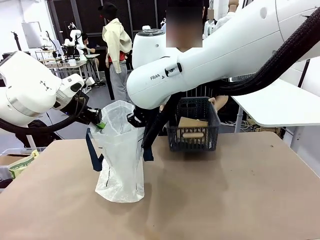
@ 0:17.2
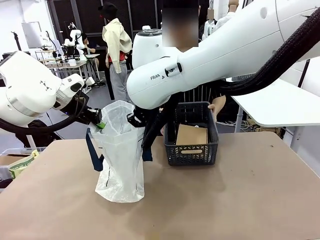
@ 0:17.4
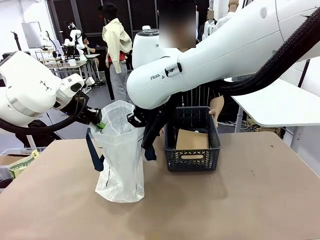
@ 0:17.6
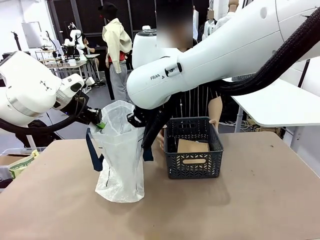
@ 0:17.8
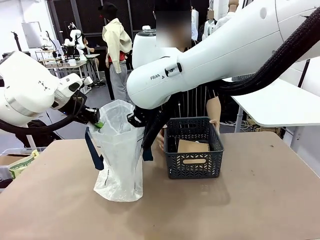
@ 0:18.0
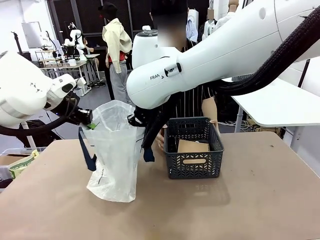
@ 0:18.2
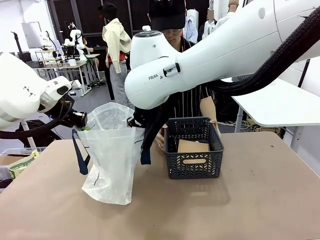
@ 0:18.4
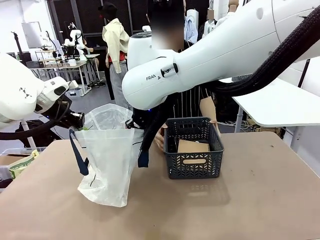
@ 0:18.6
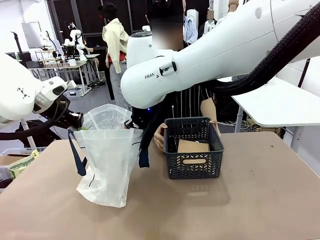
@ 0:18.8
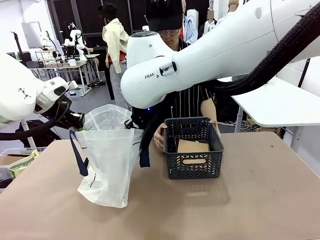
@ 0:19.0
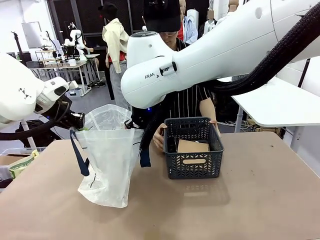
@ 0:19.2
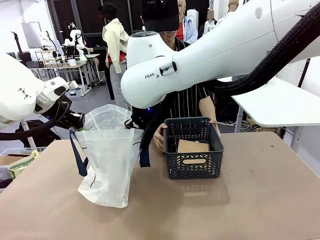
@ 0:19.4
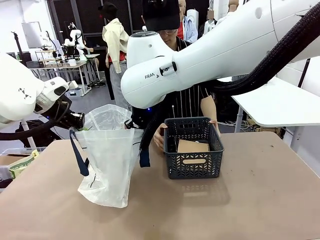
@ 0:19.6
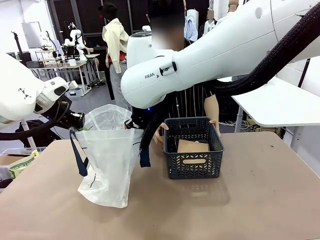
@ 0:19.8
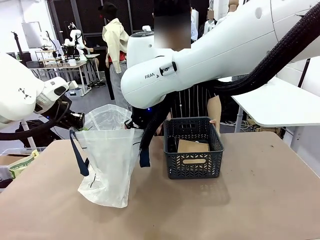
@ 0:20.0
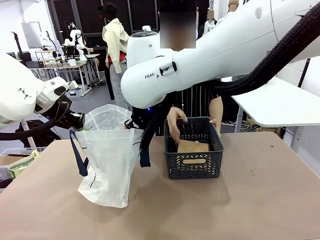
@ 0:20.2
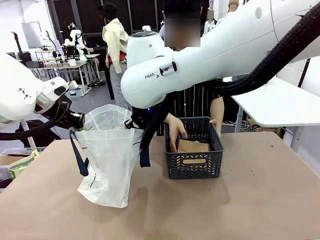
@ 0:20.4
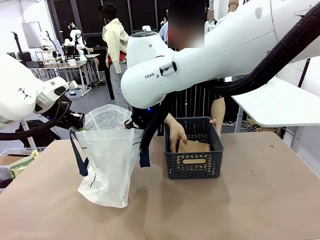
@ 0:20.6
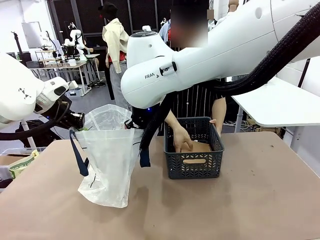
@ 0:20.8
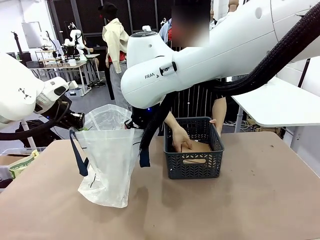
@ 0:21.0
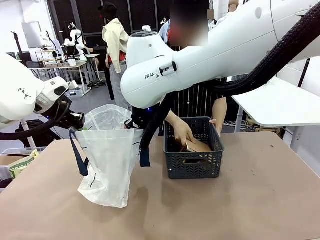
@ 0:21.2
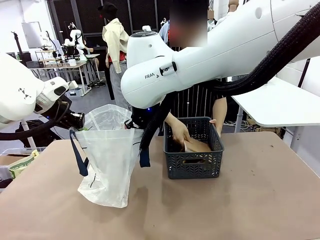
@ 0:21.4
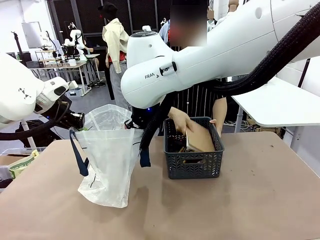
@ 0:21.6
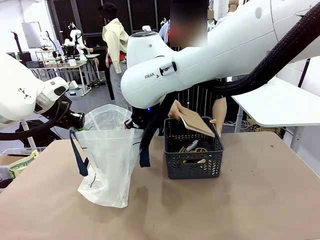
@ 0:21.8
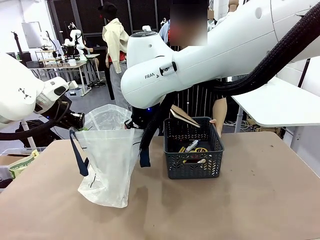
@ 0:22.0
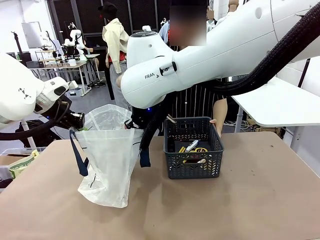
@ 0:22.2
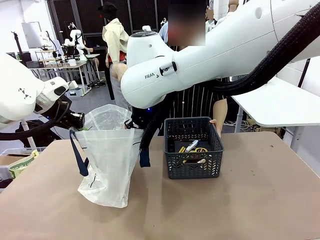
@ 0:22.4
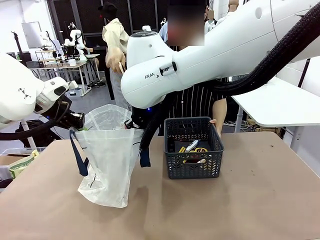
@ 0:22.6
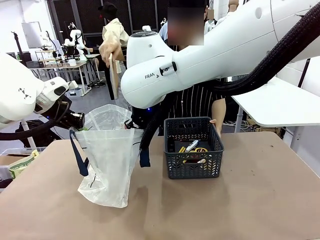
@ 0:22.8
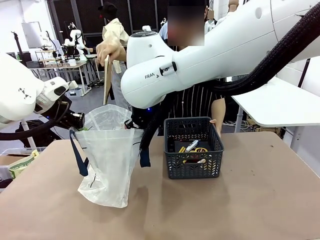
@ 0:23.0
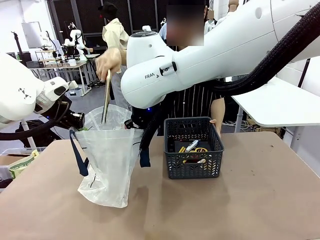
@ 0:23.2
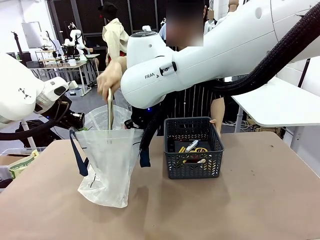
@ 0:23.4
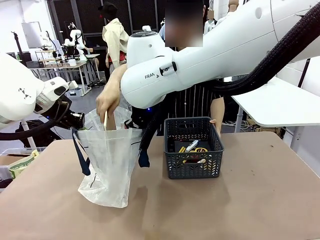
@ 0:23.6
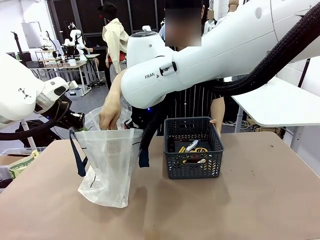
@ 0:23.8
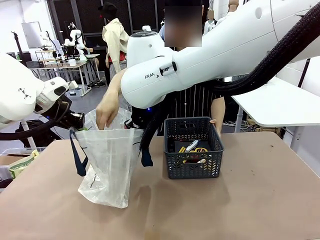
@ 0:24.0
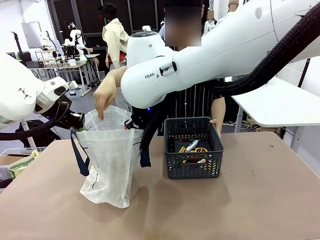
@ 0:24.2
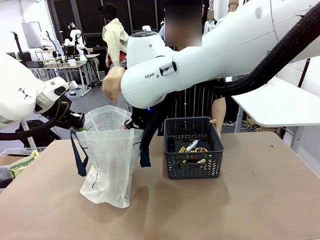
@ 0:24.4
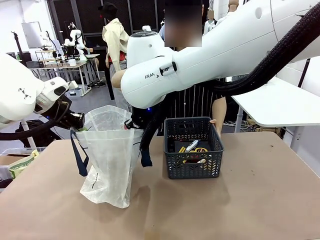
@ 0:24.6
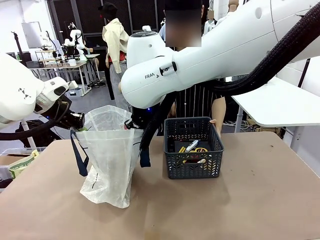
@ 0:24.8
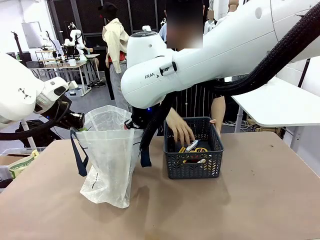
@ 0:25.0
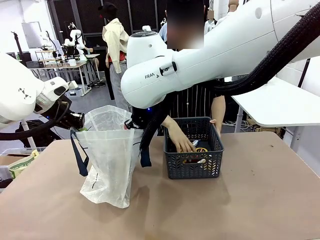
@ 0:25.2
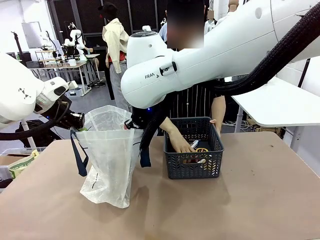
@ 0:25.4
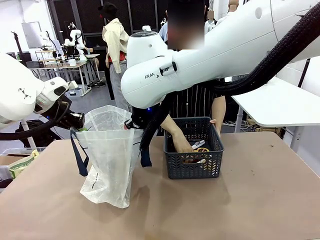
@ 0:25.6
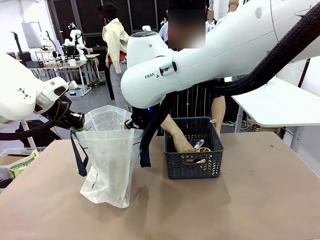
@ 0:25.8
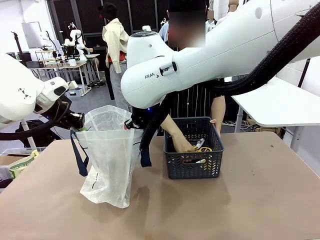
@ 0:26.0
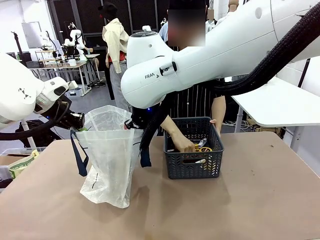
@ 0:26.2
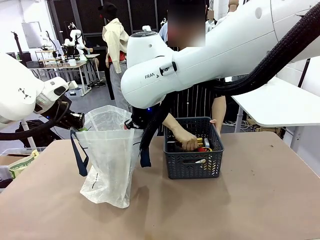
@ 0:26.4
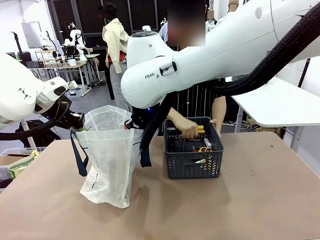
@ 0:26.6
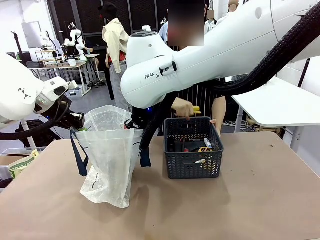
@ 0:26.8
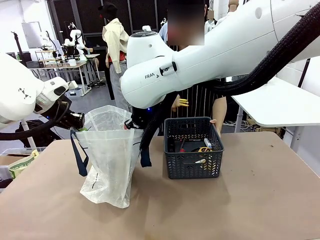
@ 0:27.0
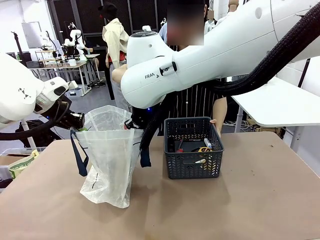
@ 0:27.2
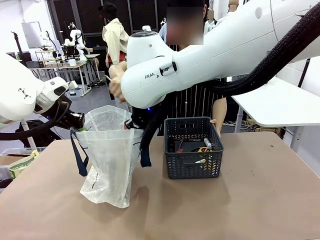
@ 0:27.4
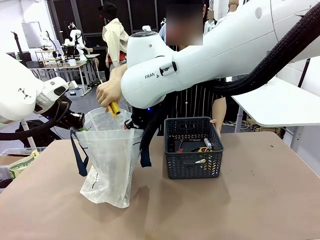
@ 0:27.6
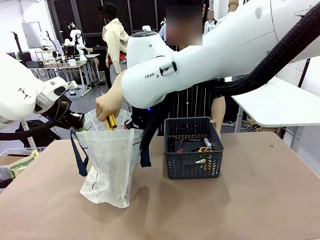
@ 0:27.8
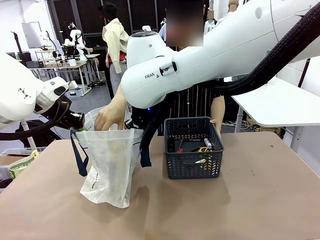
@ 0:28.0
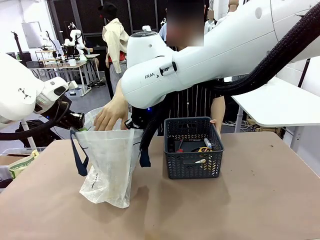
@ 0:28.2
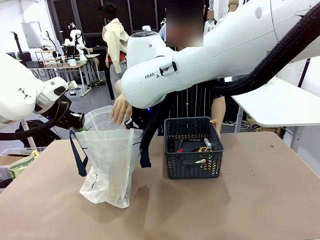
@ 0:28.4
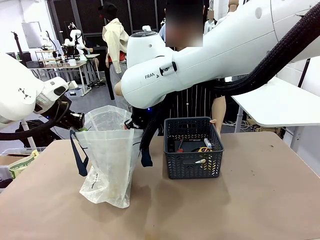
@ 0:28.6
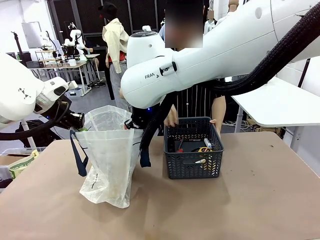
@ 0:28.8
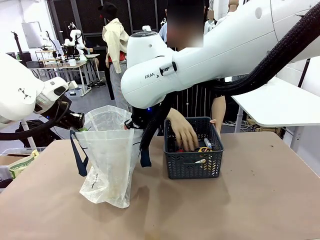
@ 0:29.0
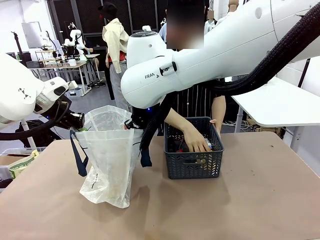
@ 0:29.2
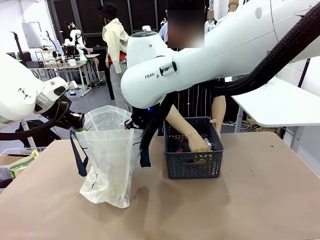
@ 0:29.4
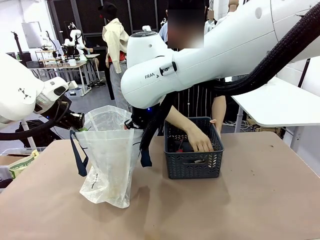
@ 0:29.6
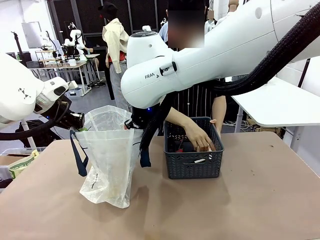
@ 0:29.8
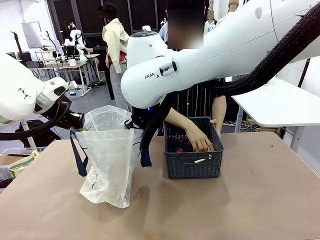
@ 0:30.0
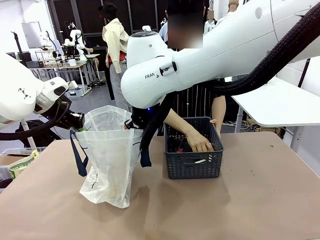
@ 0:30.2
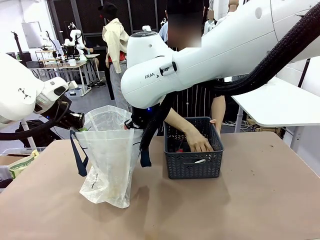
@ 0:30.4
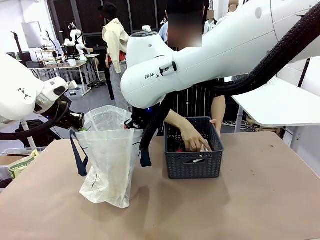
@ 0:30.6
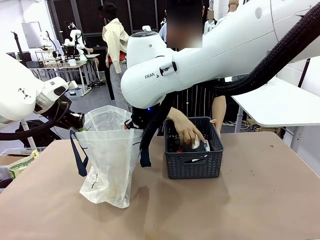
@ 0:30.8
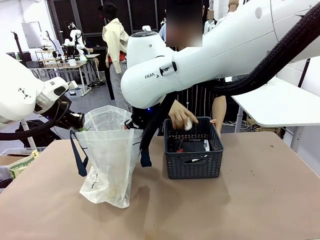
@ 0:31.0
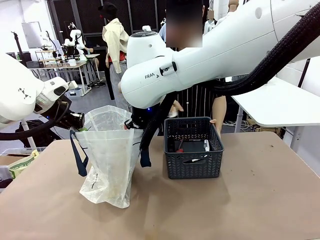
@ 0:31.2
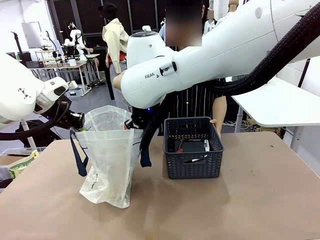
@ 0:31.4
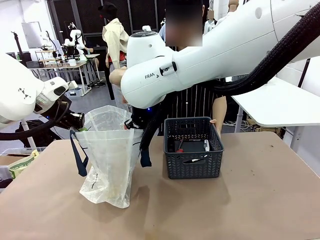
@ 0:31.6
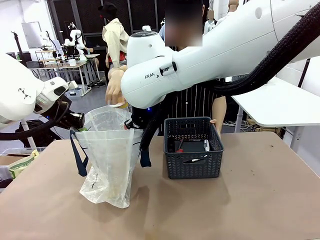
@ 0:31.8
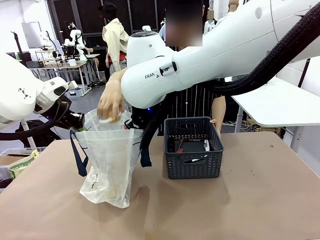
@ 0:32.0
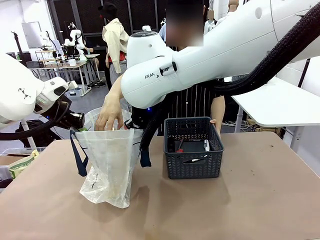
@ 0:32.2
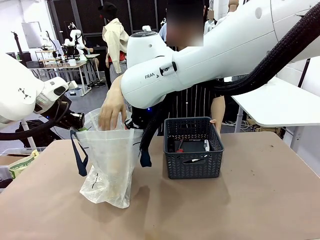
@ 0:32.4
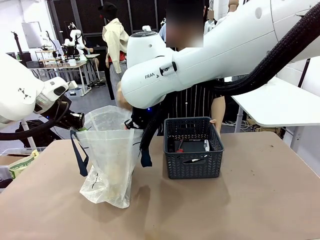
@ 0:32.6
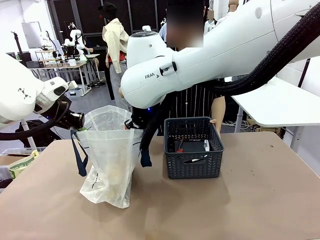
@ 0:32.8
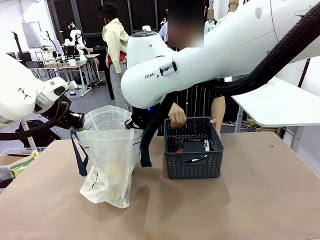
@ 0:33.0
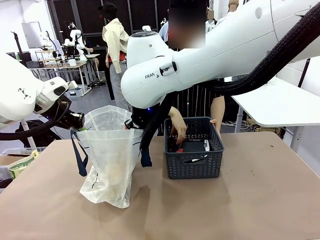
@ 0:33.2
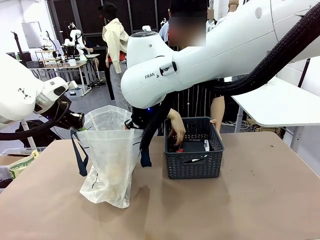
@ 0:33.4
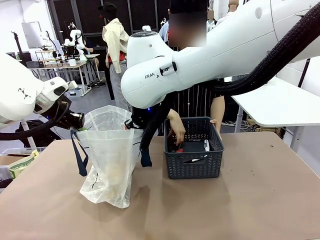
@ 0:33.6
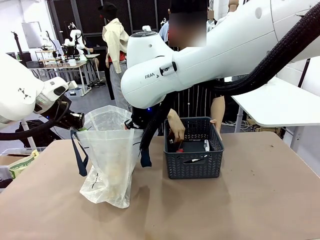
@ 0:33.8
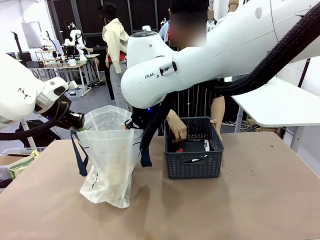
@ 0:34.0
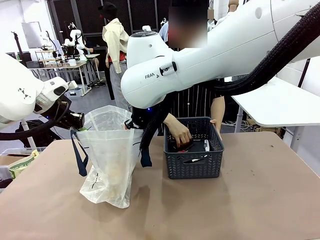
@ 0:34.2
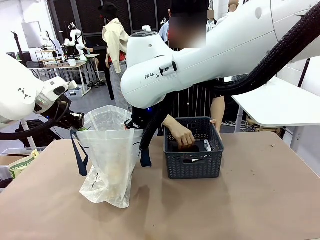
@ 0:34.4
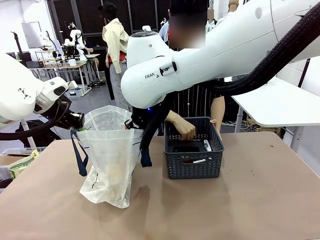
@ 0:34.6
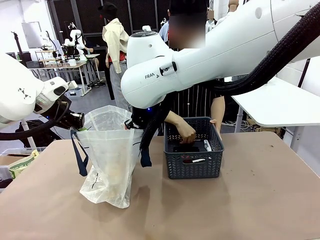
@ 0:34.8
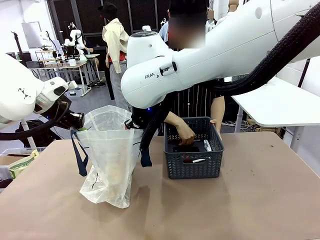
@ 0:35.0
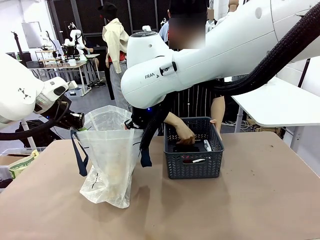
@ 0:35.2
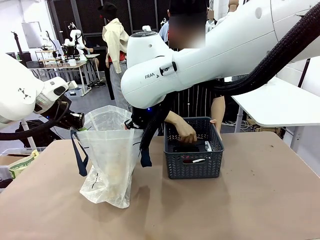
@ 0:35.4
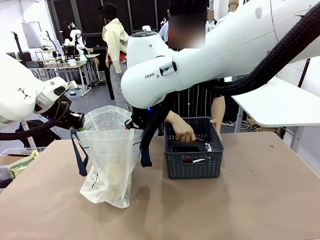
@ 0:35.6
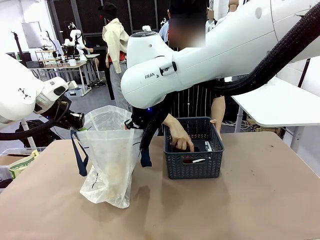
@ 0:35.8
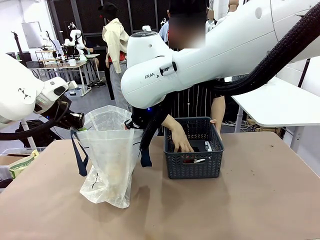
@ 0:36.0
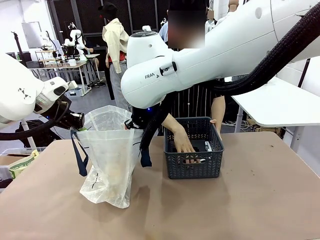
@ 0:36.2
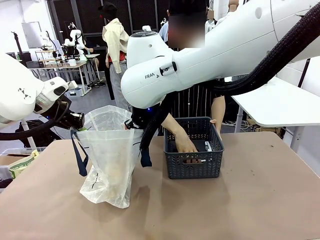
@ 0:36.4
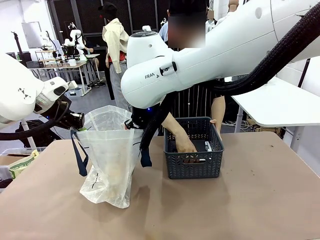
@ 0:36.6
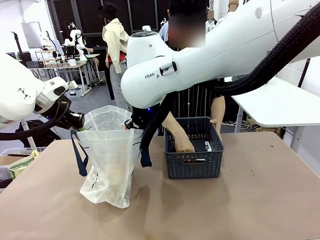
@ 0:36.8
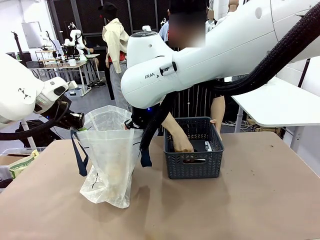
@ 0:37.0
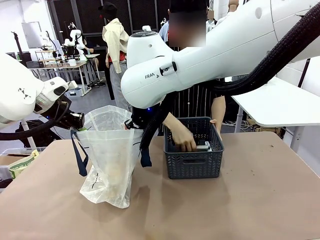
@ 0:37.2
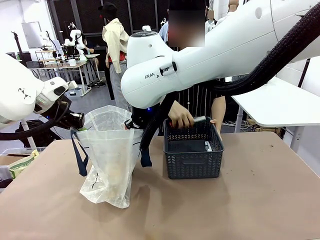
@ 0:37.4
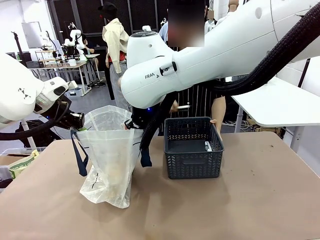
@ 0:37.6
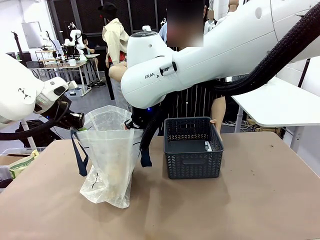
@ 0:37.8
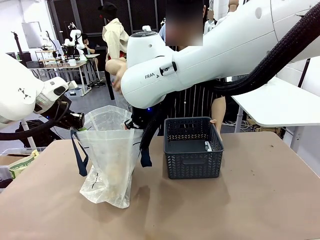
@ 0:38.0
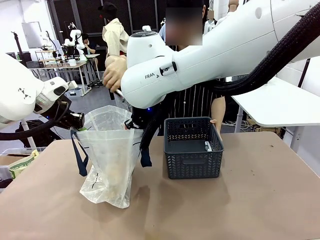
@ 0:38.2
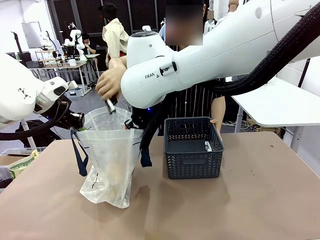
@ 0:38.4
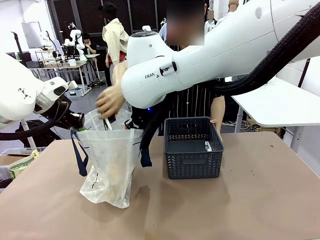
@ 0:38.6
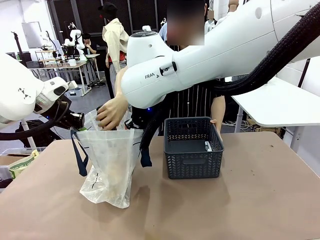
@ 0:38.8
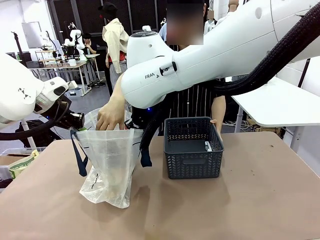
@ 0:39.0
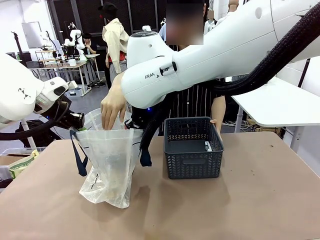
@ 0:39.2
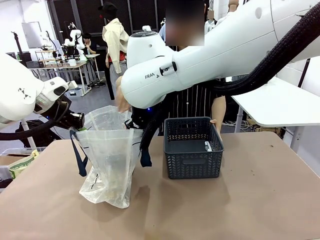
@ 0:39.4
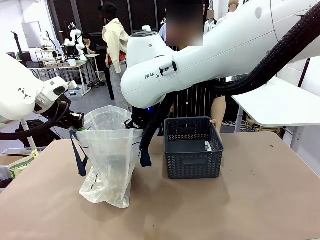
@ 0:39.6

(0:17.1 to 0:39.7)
Task: Transfer purchased items from the store into the shopping bag.
Robot: Move the Reusable shopping bag to the right side of the table.
Person: Pick up the basket with the items out and place it on the right side of the human table.
